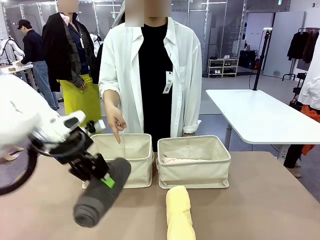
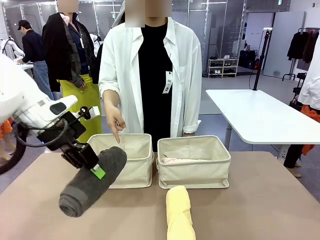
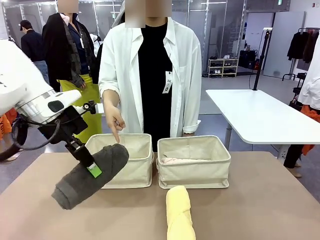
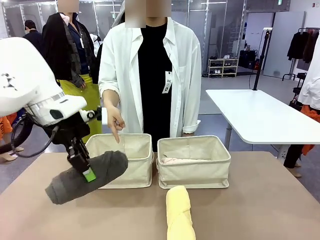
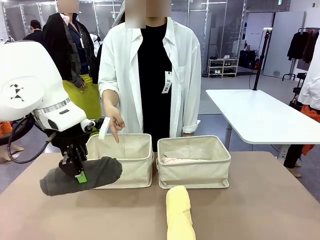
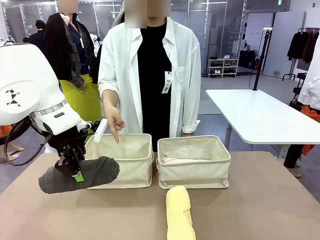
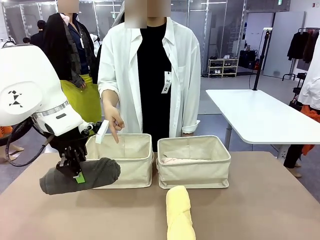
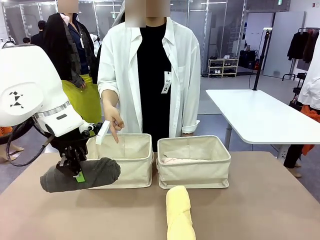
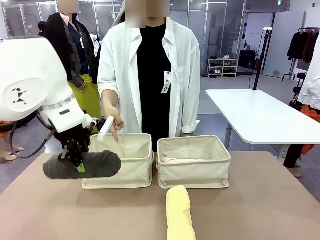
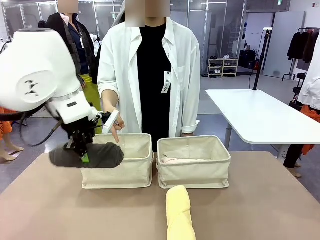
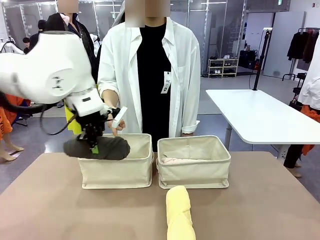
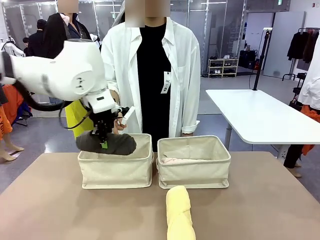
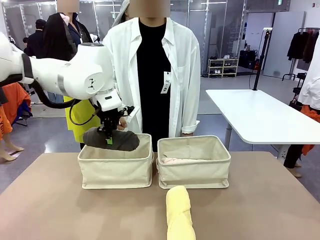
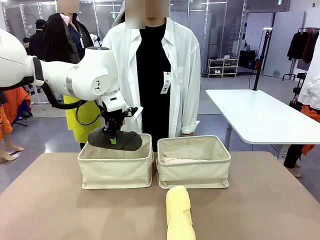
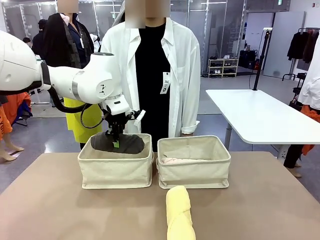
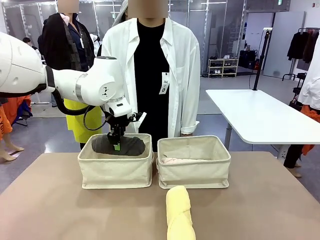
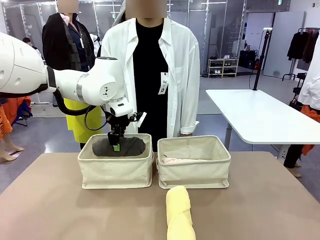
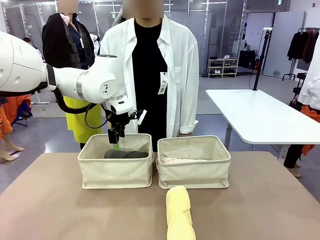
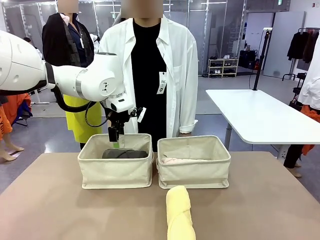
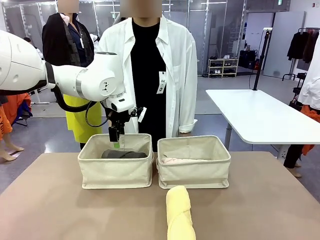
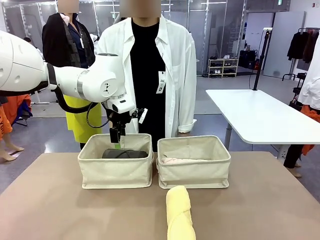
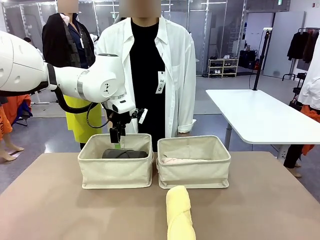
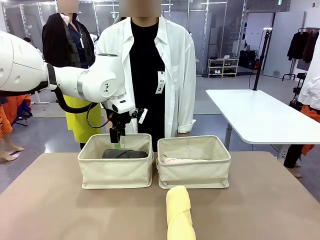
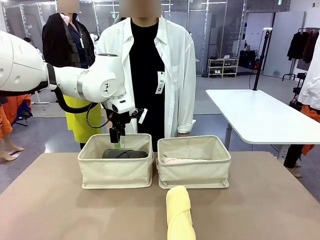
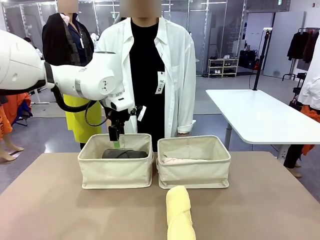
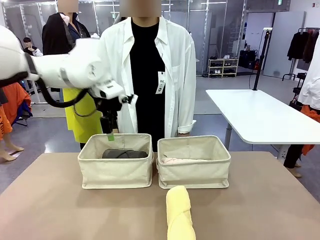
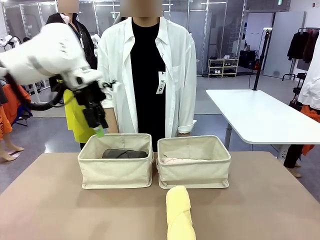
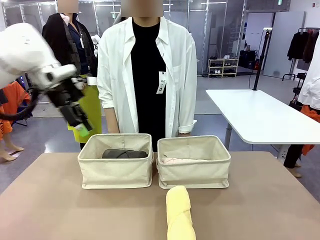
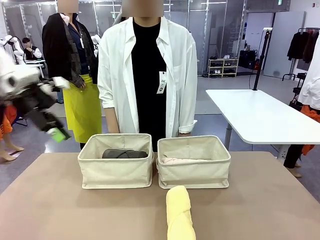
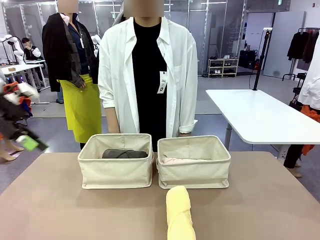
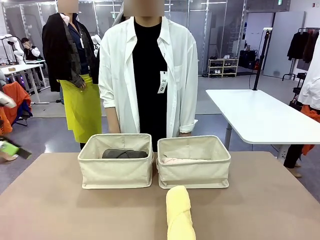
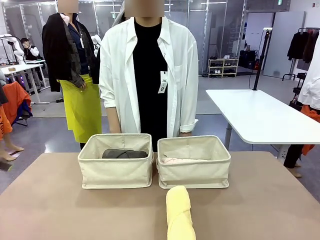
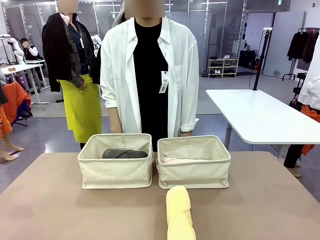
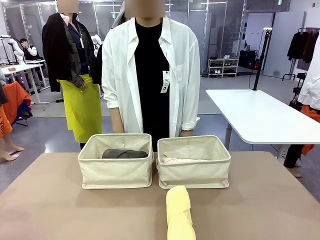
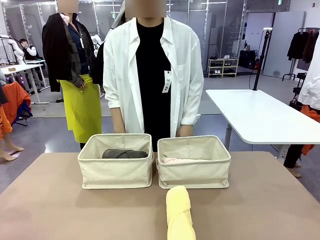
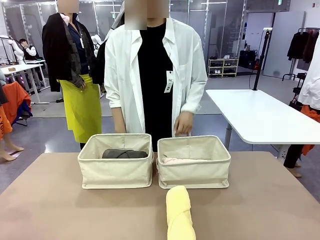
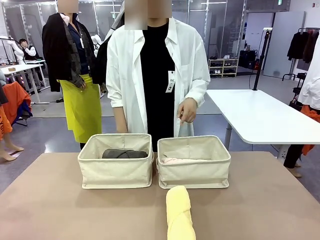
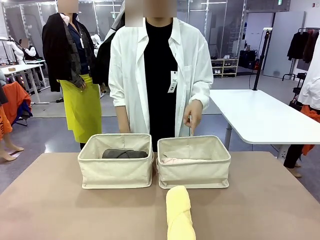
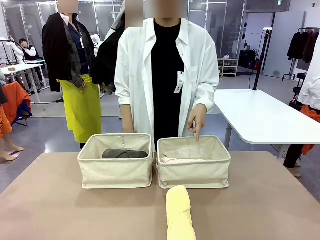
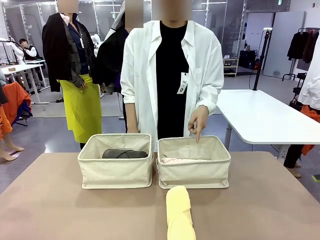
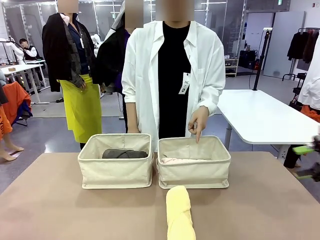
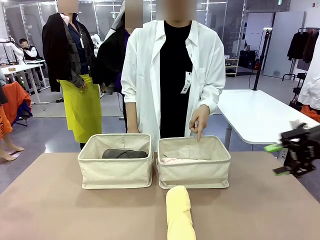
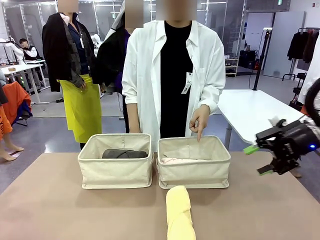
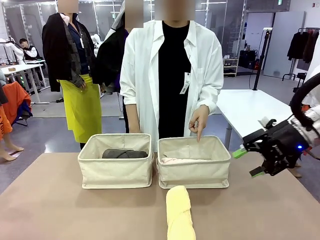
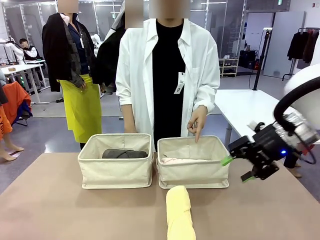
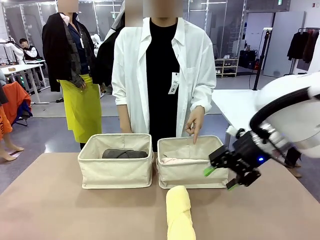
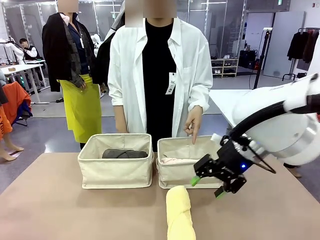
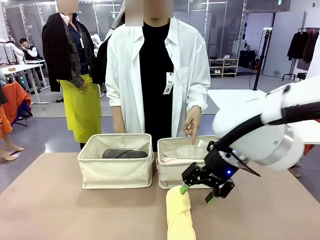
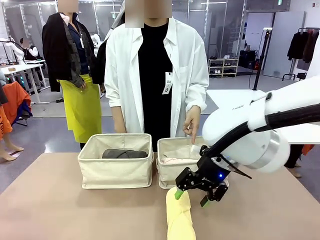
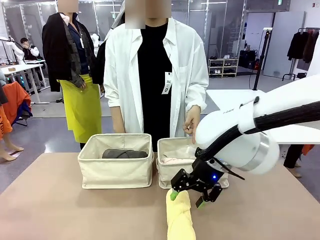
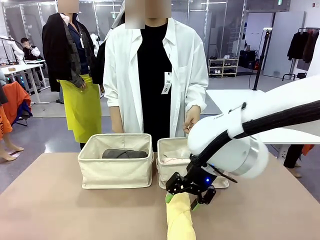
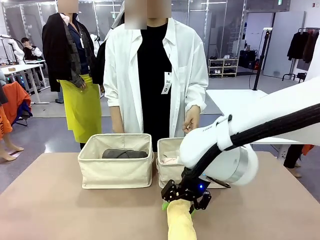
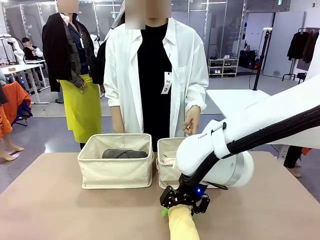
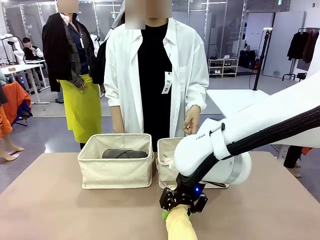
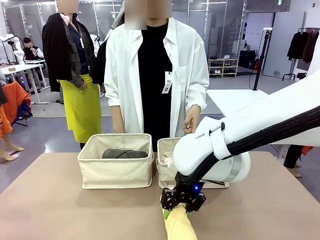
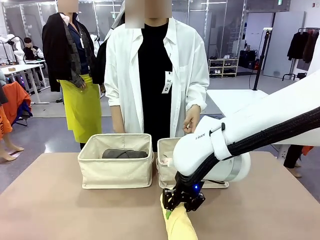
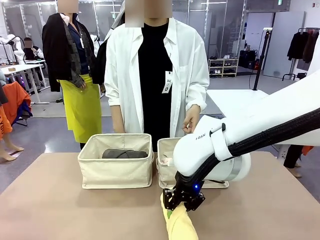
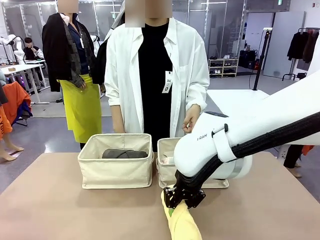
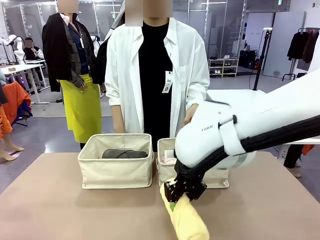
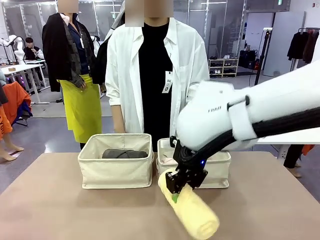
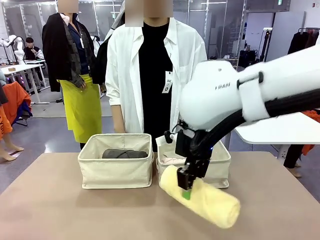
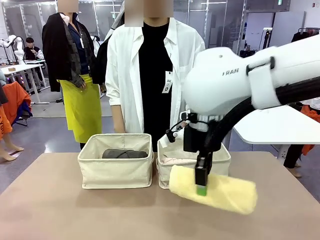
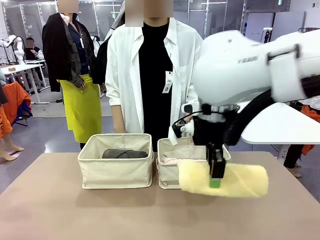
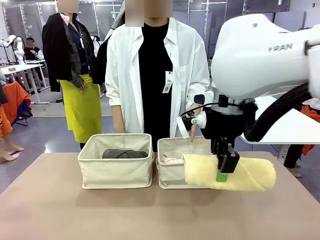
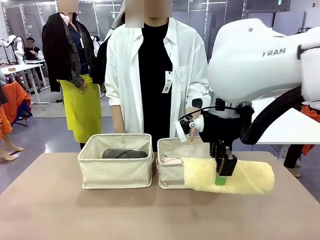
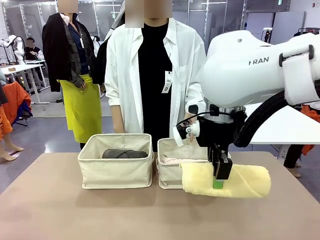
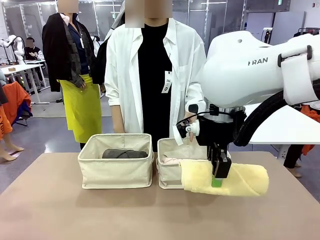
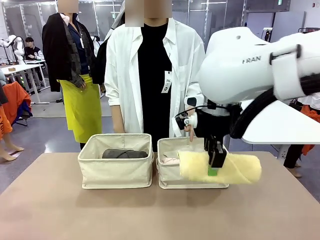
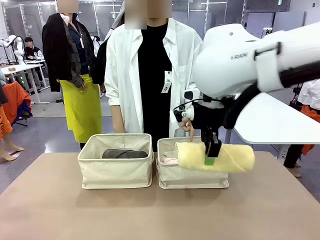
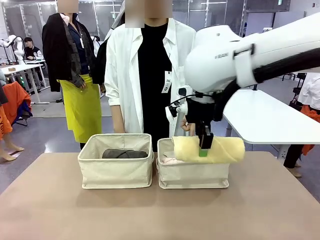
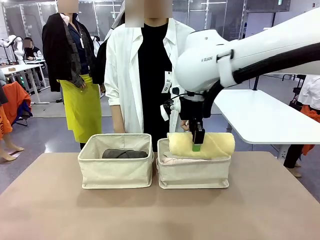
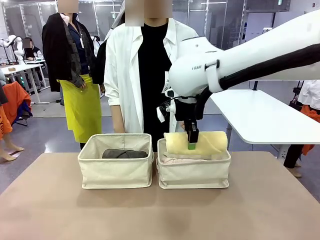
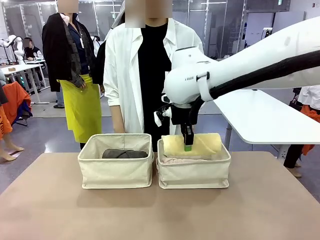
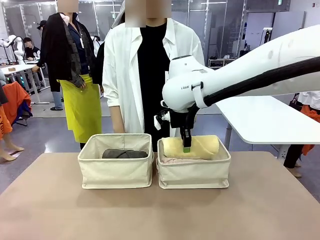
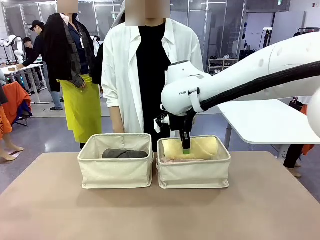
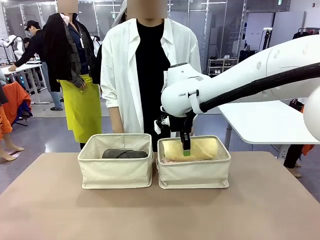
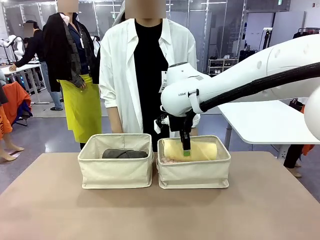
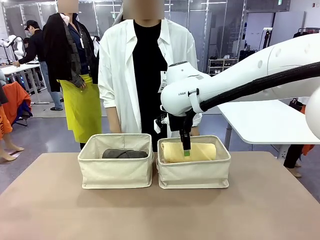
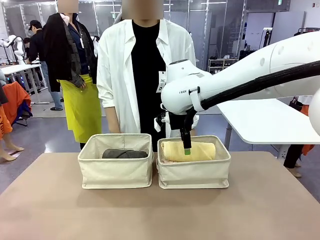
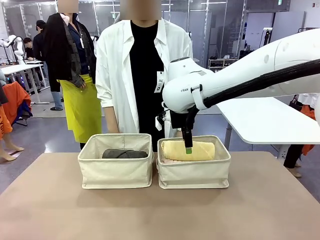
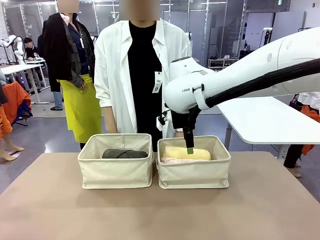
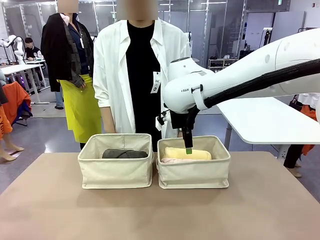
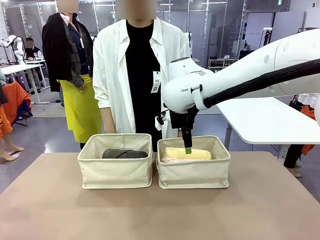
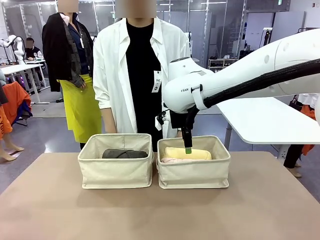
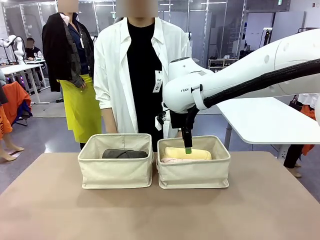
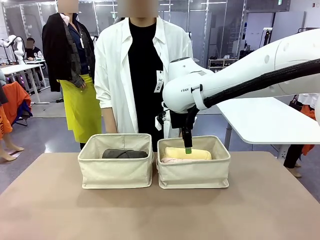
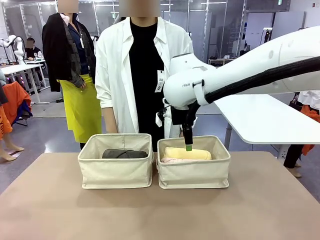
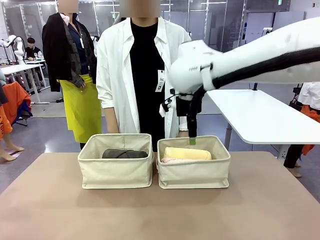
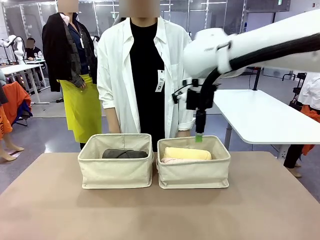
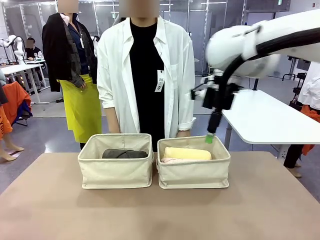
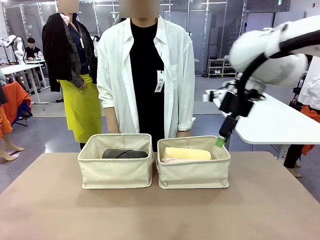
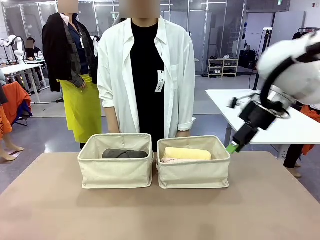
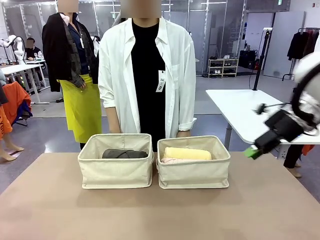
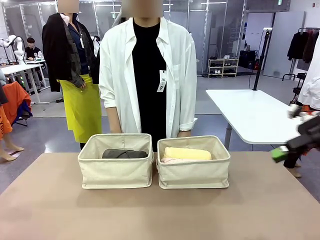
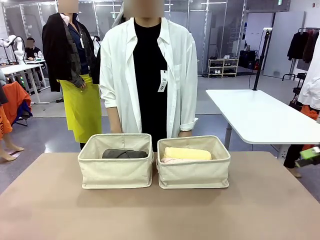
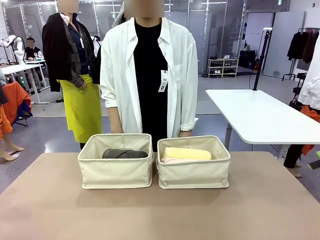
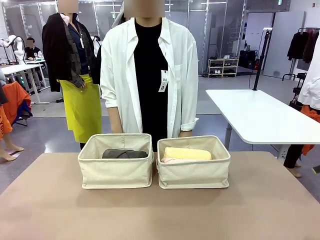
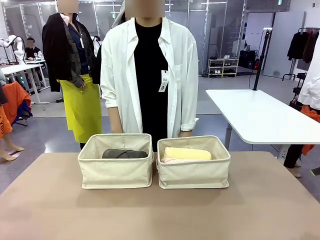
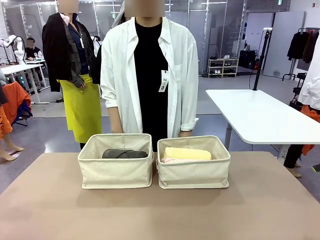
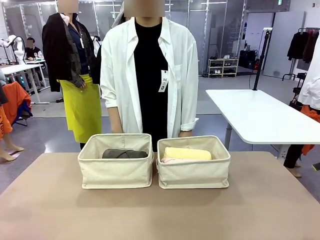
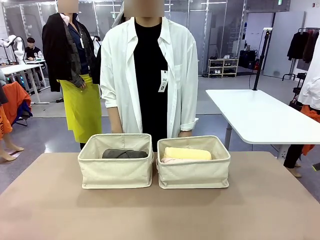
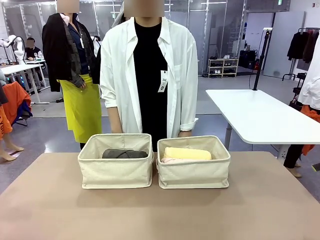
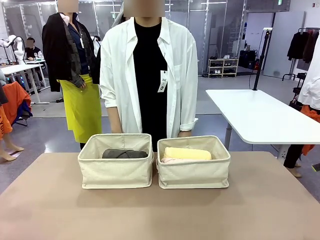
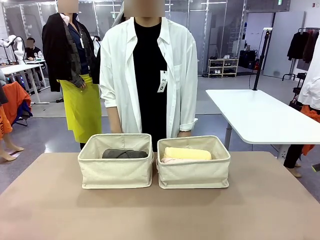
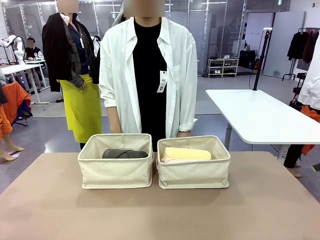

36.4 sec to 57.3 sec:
Task: Divide the towels into two baskets.
Robot: Pick up one hotel-folded towel from the bottom of the table and place it in the Fabric basket indicated by the person.
